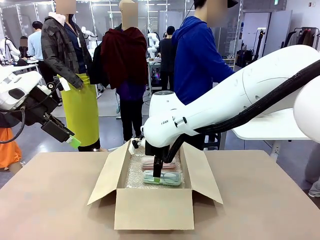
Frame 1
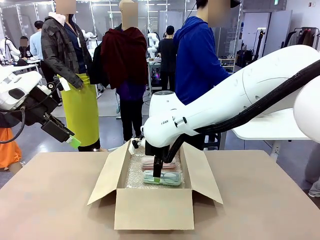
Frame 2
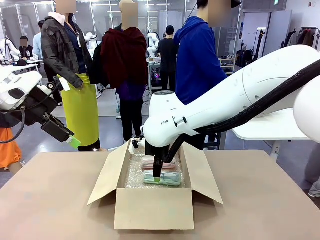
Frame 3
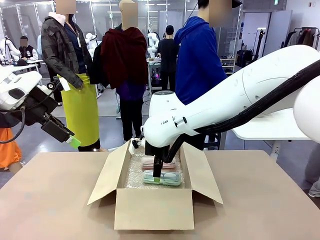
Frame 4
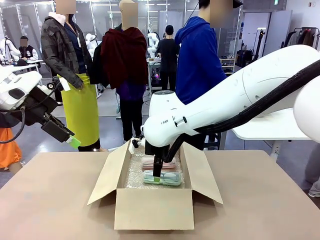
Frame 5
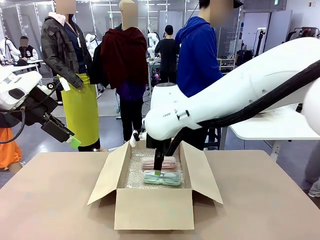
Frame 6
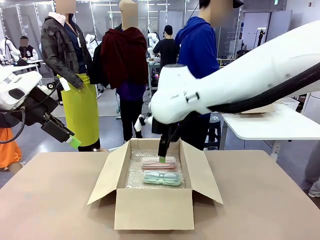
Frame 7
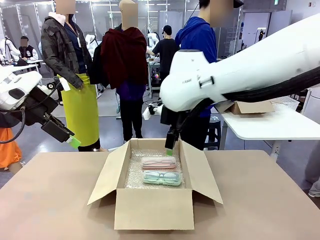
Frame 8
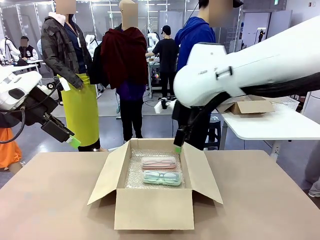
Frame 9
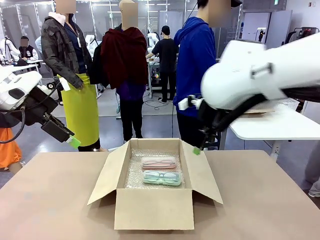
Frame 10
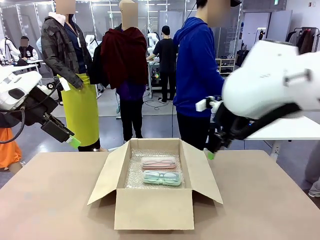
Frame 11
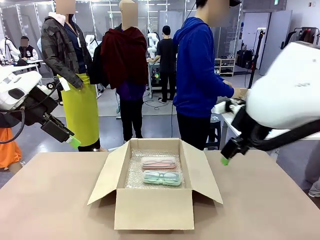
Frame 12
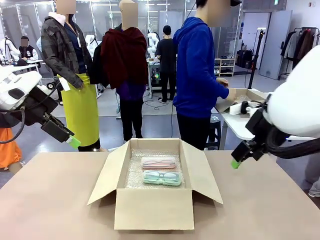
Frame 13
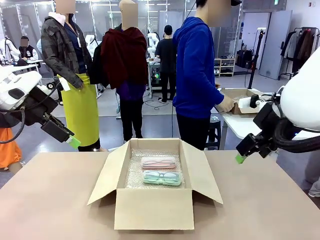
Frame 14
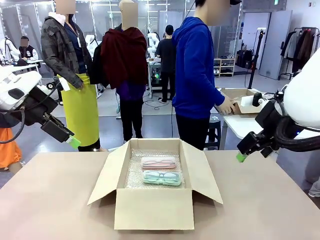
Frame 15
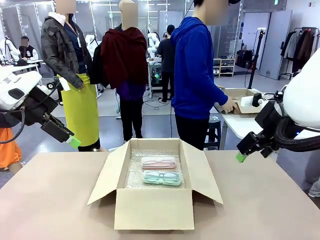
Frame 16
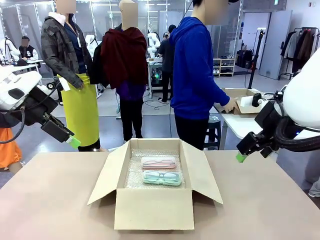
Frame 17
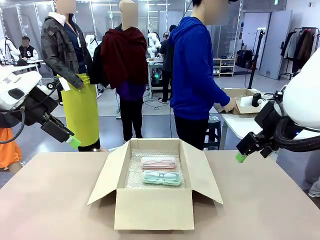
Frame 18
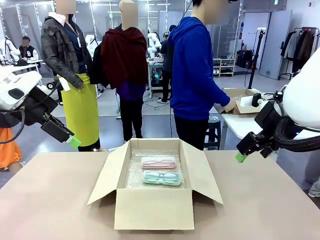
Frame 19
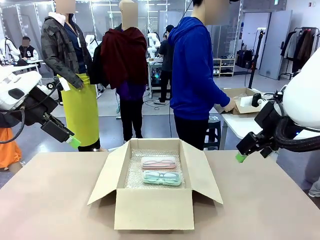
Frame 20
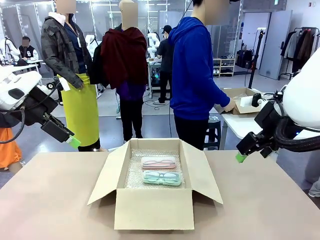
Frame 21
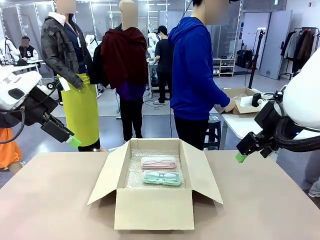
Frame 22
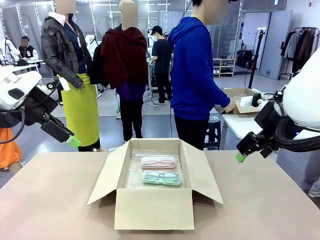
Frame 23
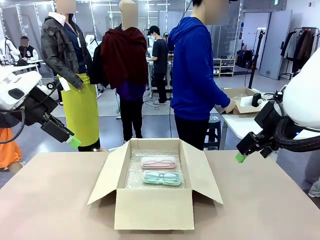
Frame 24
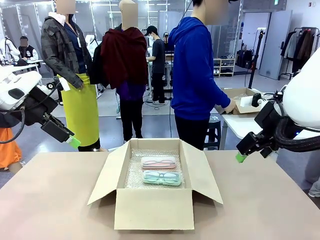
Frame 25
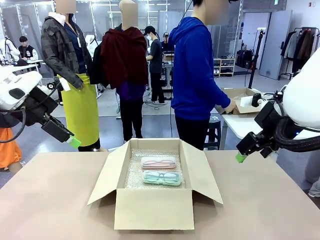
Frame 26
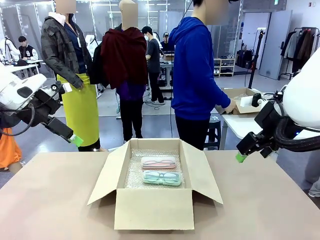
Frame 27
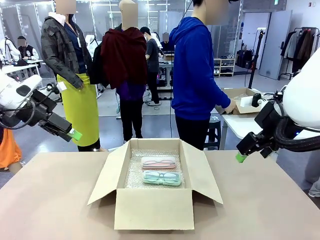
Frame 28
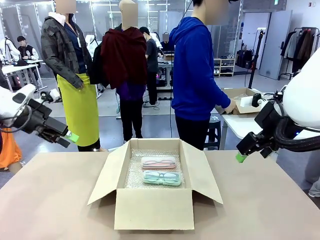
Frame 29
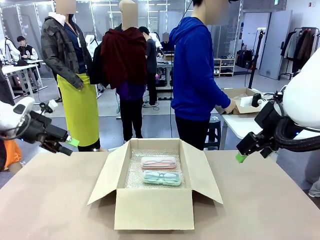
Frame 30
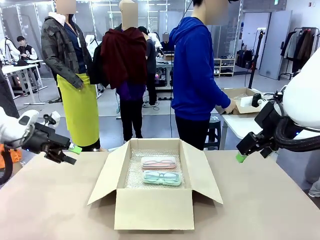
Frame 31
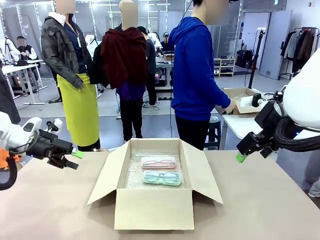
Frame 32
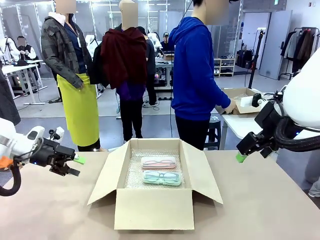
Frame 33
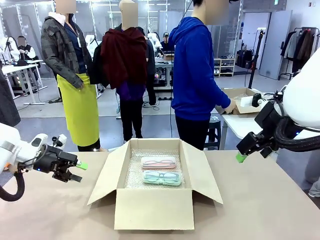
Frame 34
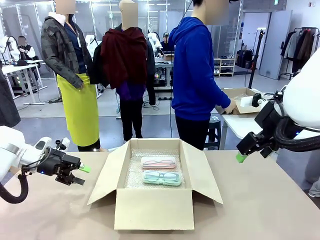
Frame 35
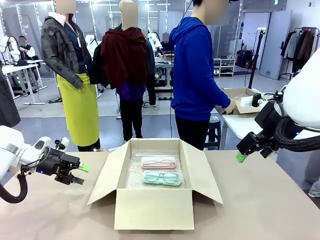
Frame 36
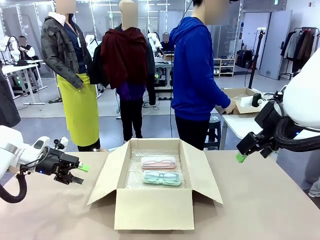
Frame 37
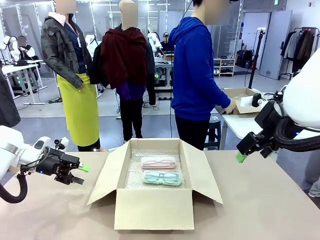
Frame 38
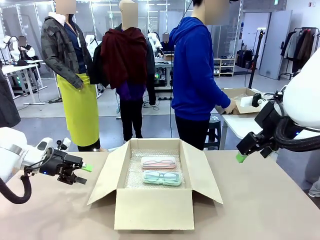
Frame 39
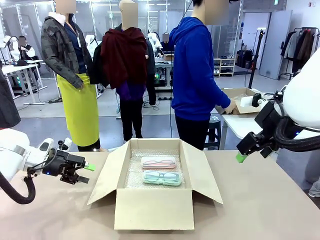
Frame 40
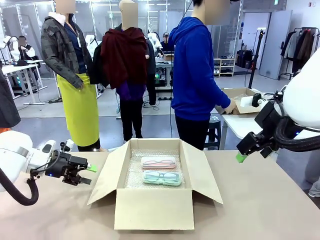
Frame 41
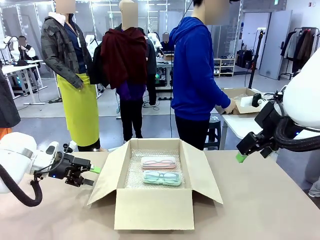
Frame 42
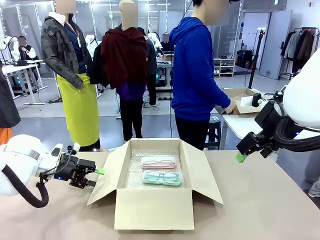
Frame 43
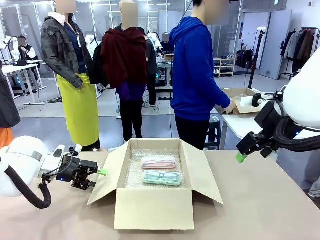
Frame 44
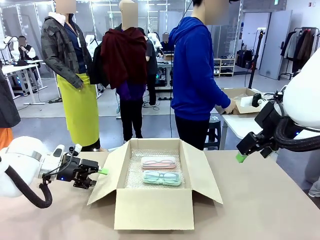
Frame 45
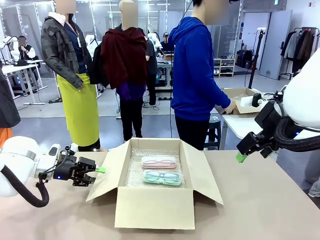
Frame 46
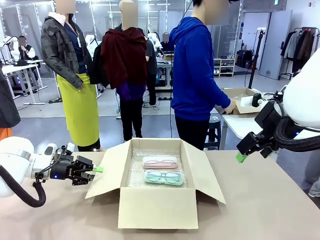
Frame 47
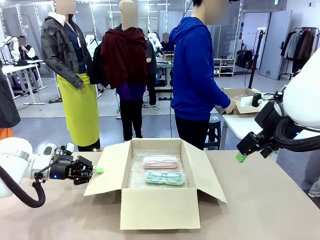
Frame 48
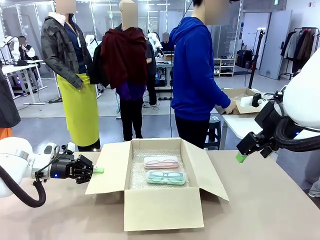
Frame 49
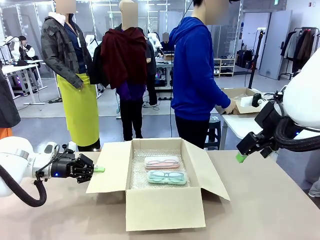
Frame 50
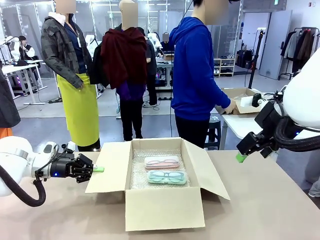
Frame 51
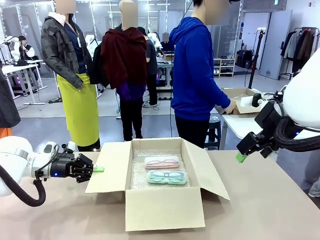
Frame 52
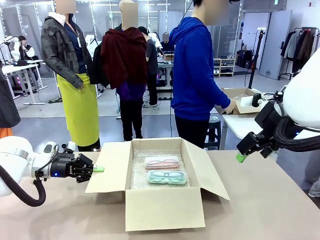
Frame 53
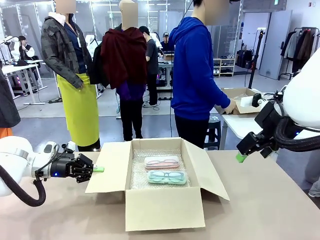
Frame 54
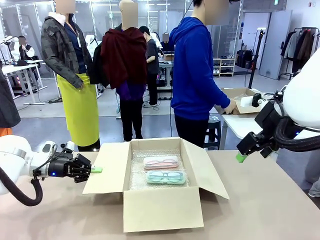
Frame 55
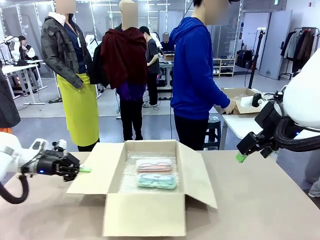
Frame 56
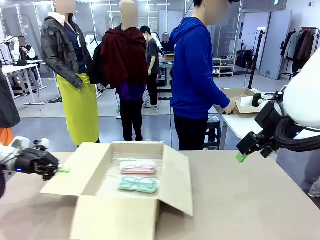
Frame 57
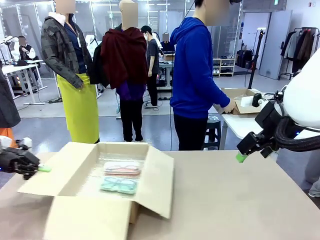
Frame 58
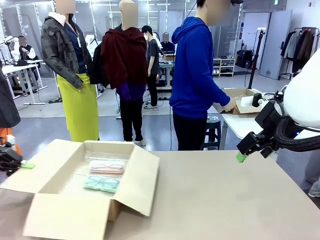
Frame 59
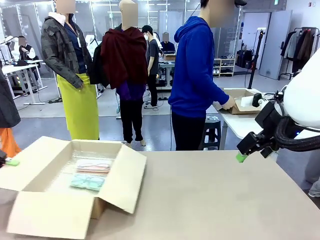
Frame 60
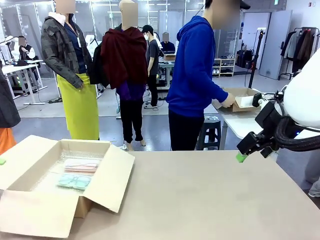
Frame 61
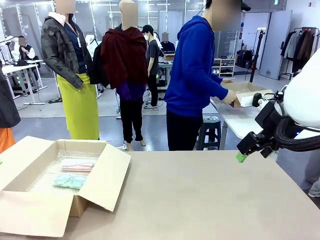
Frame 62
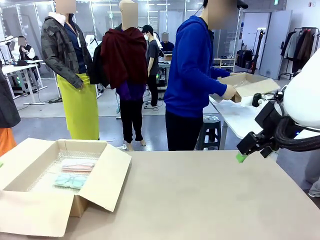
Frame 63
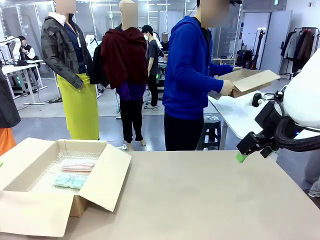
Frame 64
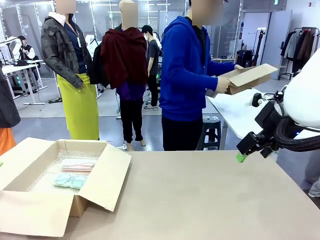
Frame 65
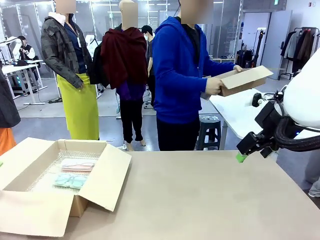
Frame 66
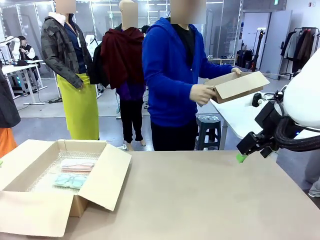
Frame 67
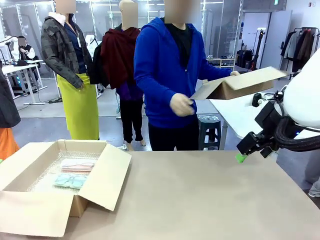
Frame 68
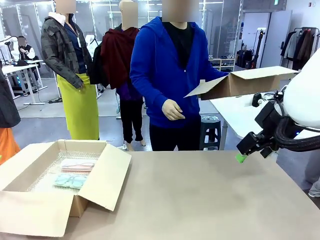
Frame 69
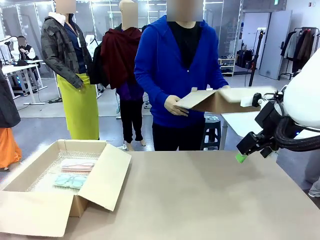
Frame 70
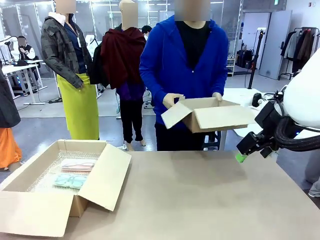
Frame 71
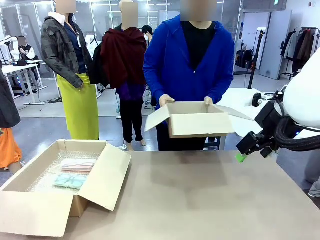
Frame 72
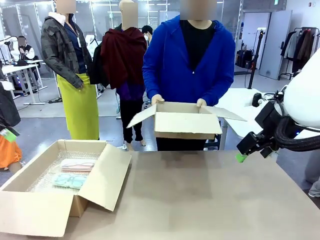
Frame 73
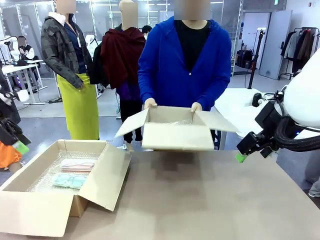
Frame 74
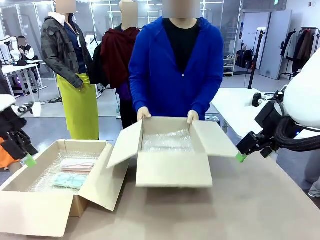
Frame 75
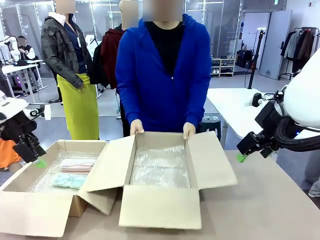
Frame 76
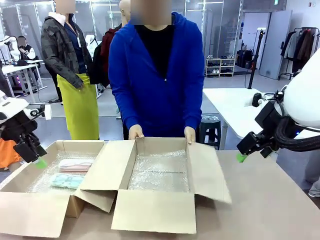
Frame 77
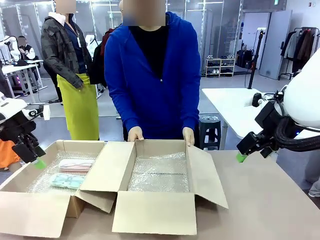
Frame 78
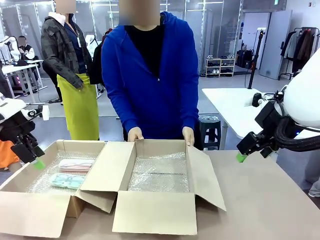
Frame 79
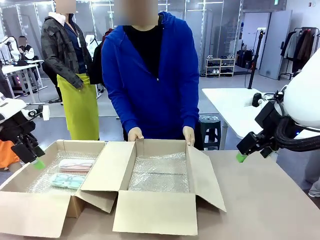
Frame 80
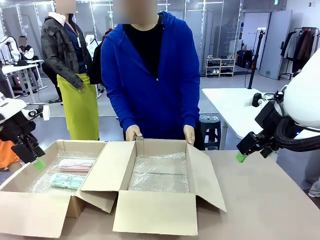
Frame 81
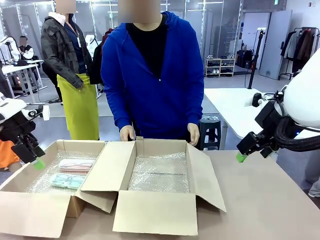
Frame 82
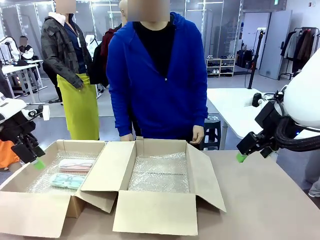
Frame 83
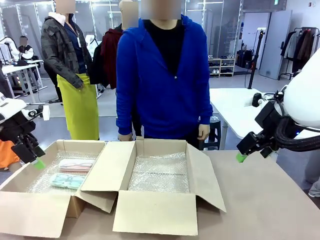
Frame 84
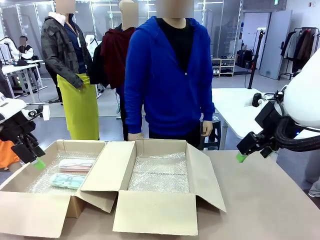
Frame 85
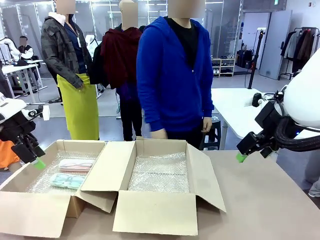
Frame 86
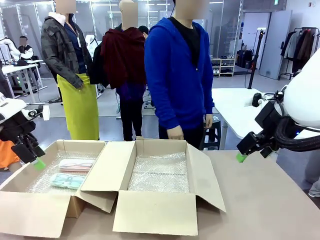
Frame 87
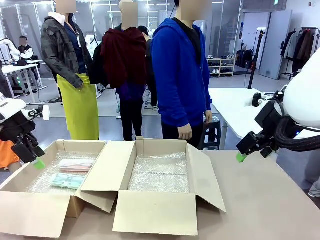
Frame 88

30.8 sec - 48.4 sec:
Task: Pack the glasses set securely to prepare it for shipping.
Robot: Position the Package Box on the left side of the table.
Person: Position the empty Package Box in the middle of the robot's table.
